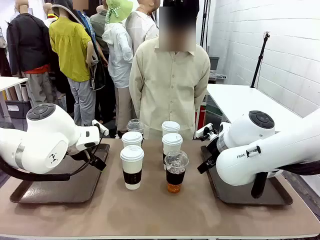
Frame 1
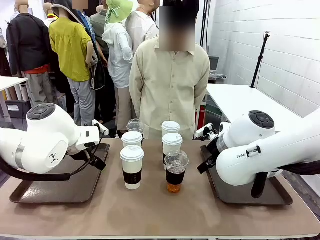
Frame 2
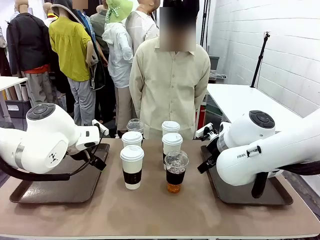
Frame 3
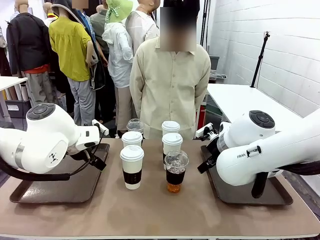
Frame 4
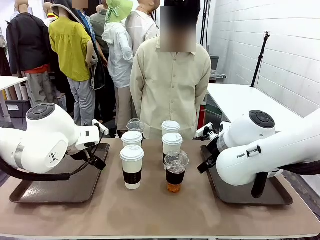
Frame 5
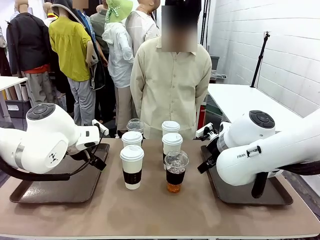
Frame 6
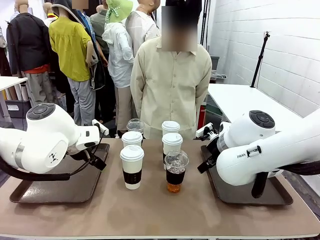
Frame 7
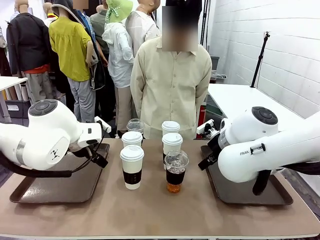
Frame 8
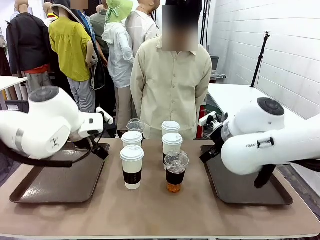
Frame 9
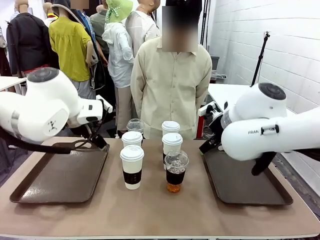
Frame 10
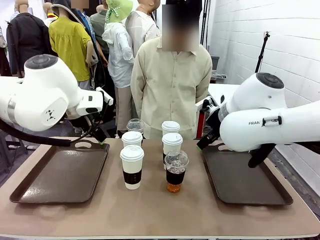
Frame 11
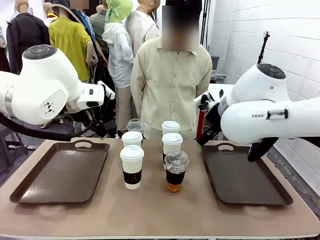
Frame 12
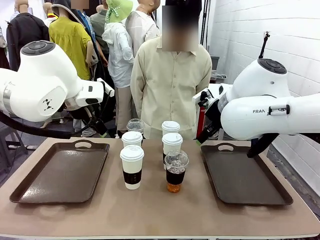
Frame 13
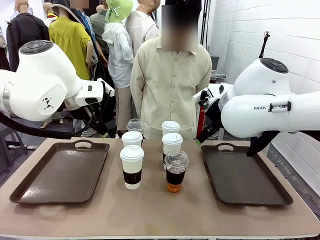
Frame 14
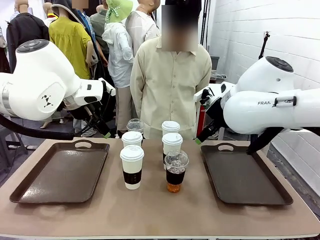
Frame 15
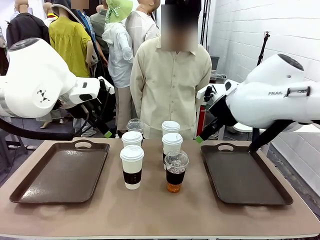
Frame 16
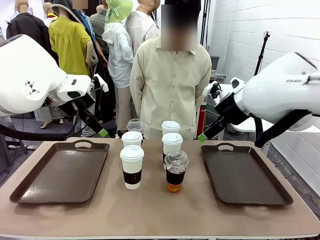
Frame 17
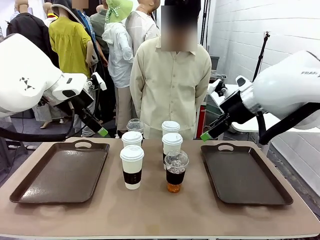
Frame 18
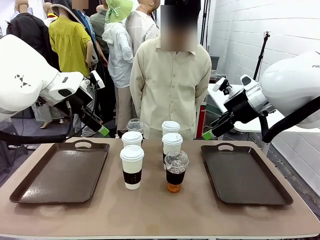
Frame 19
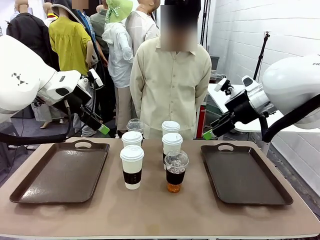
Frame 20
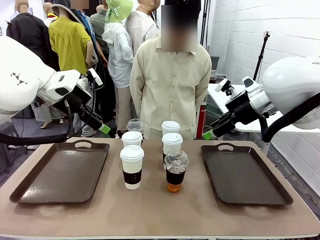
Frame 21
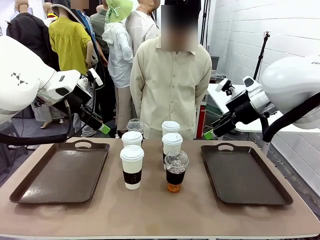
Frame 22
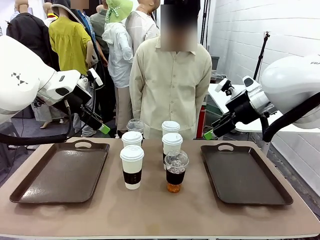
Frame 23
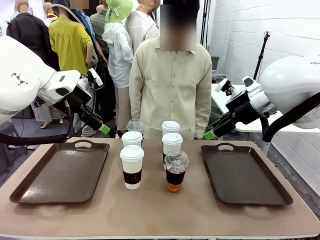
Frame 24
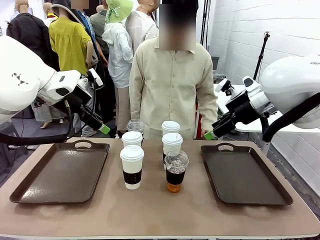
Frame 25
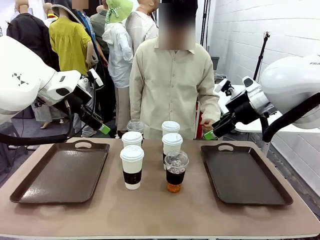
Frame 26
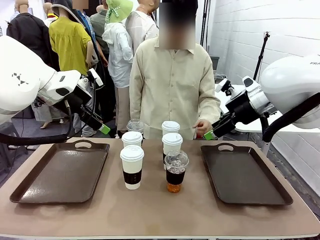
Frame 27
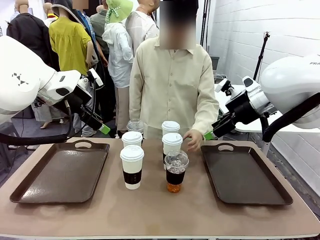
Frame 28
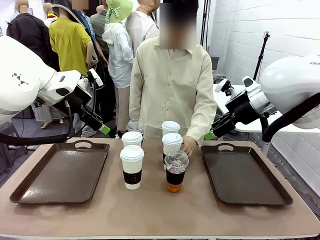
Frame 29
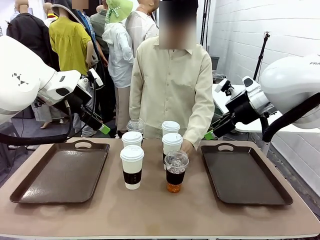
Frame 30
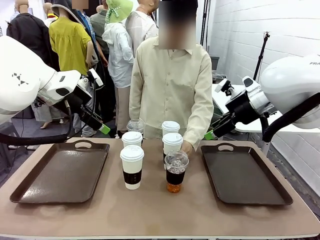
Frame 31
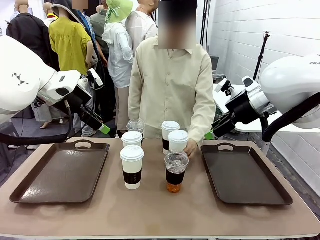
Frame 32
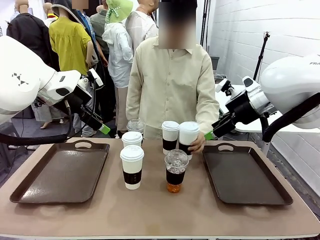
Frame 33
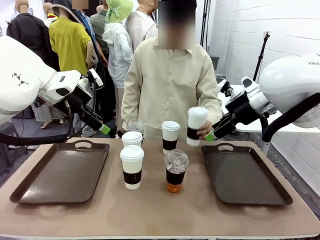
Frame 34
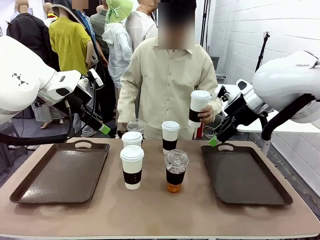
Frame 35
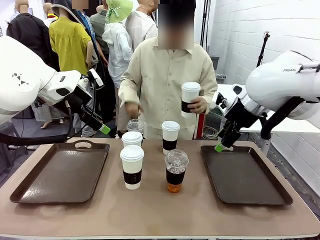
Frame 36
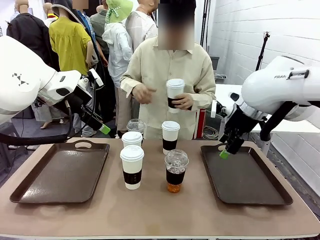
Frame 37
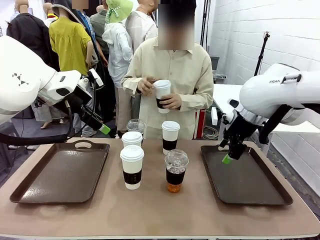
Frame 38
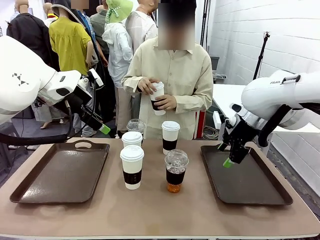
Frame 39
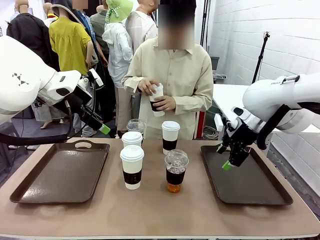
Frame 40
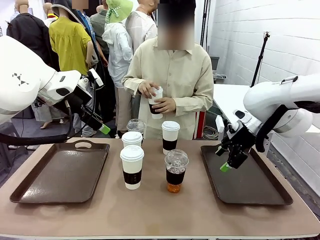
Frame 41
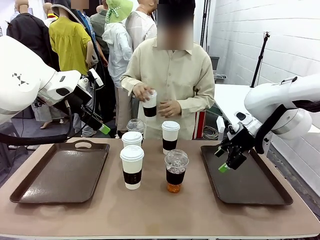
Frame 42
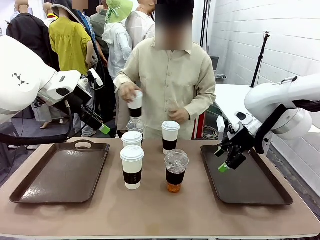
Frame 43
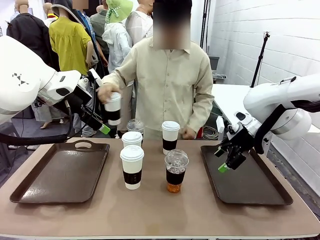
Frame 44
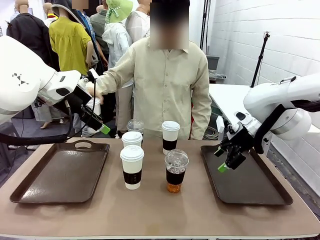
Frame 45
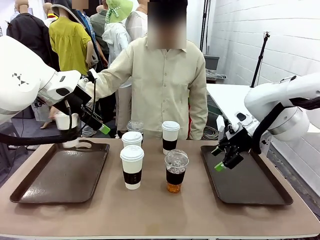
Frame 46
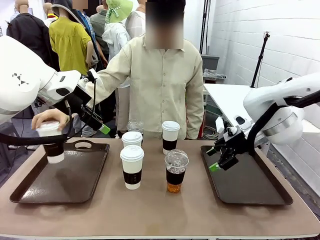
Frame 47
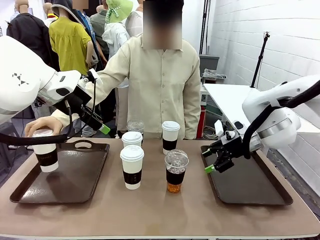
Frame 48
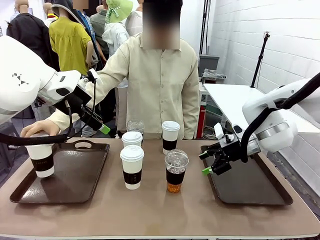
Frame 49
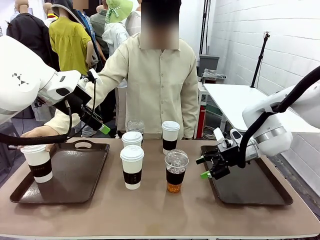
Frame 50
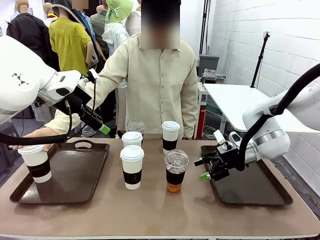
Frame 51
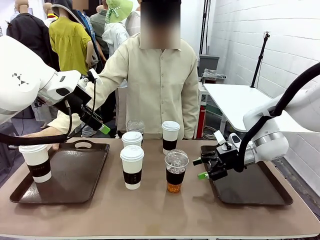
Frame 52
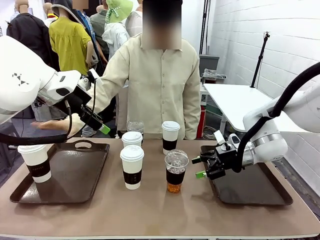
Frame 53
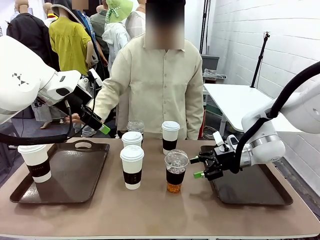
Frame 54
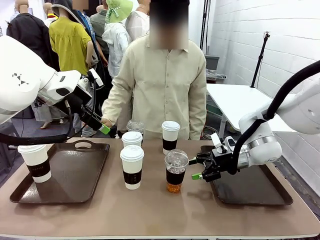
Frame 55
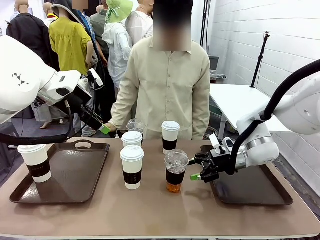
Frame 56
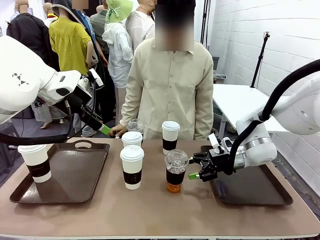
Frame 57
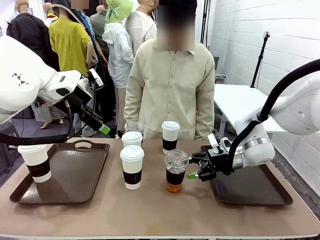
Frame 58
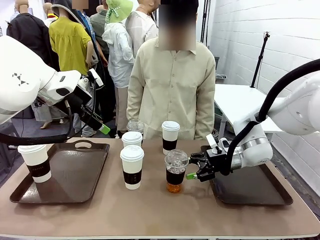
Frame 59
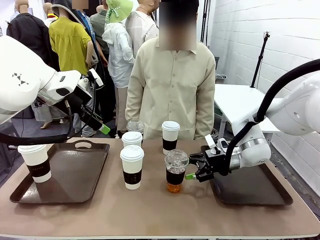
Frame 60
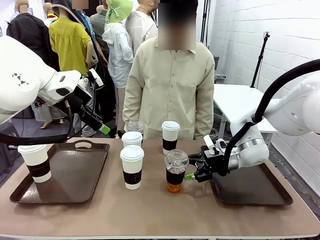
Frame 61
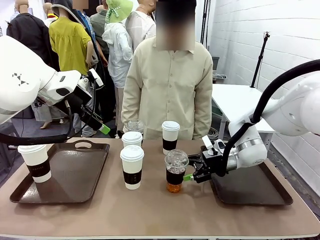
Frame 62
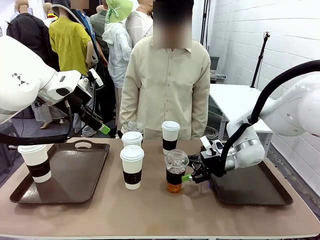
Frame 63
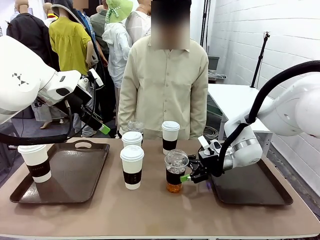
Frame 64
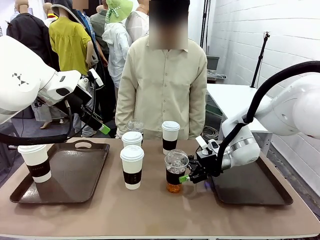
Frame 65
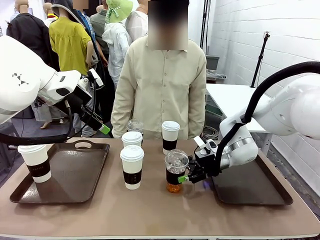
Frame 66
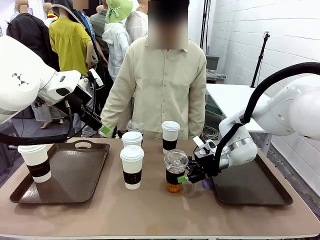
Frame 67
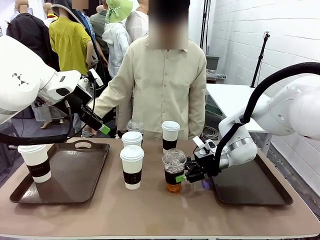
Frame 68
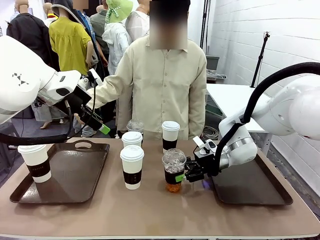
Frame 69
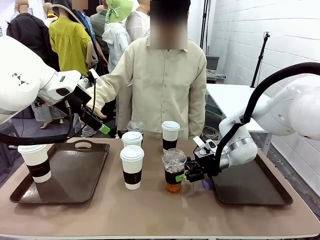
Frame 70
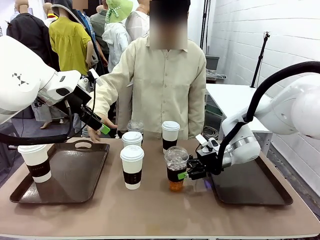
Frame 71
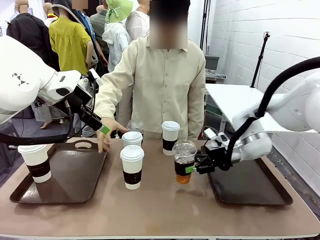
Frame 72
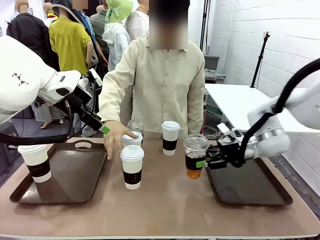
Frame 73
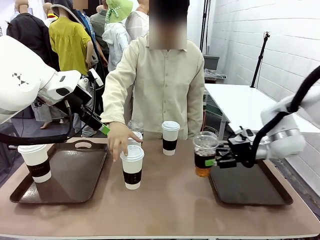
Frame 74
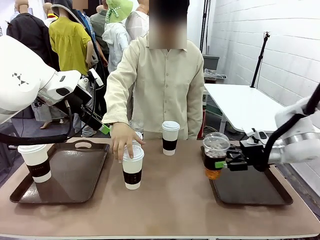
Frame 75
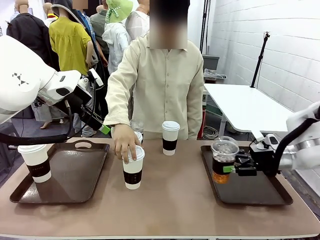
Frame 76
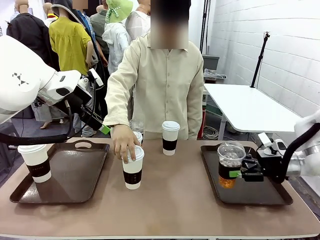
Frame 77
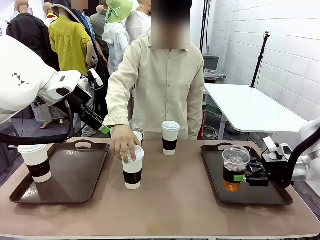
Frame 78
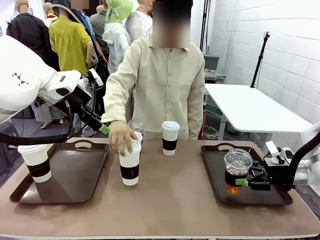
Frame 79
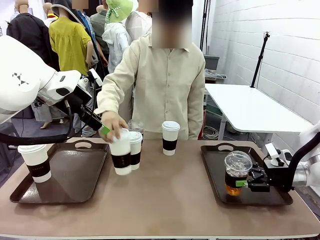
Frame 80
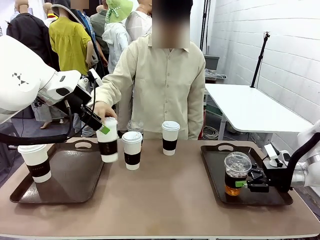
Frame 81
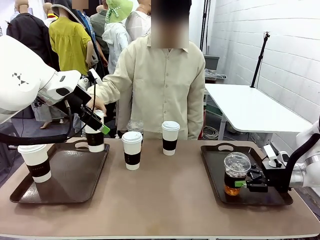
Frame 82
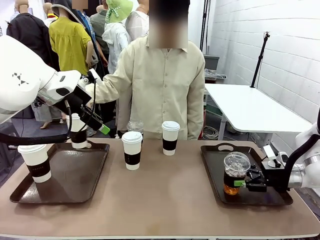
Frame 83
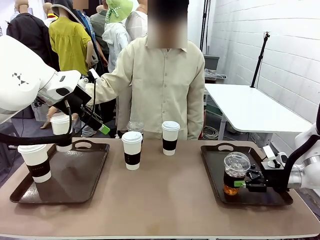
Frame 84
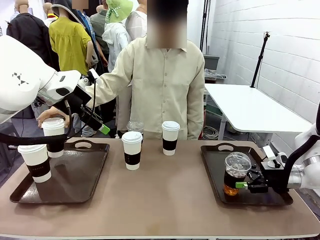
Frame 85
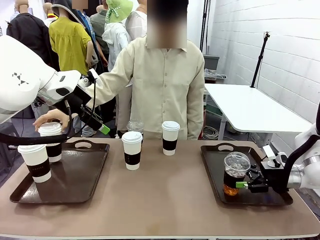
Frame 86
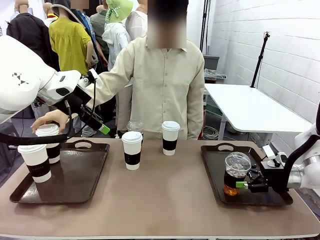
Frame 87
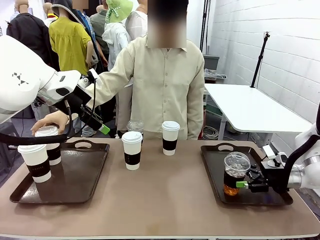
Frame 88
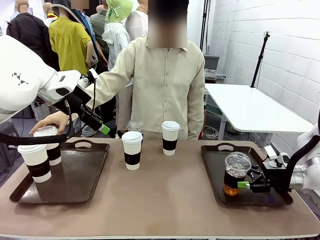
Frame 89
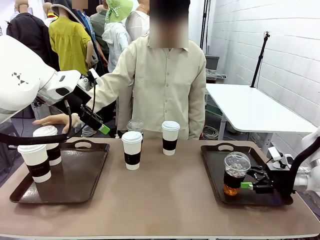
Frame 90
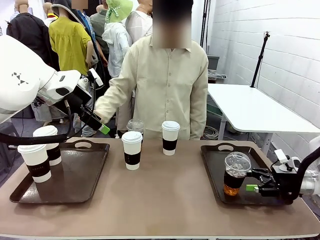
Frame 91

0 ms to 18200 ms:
Task: Distribute the coffee onto the tray.
Robot: Pick up one iced Americano and place it on the right Handle tray.
Person: Pick up a cup of hot Americano and place it on the right tray.
